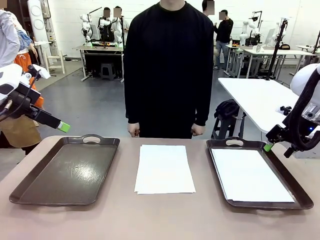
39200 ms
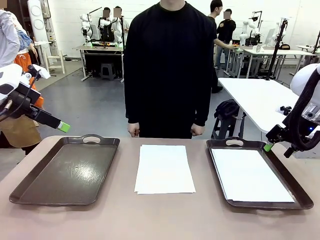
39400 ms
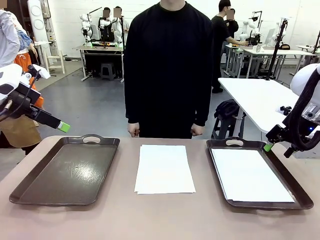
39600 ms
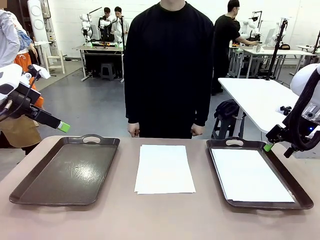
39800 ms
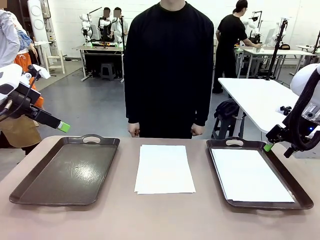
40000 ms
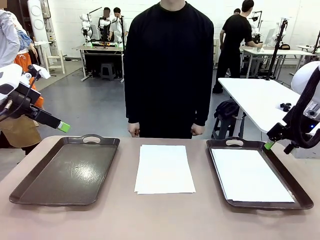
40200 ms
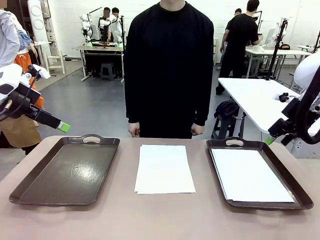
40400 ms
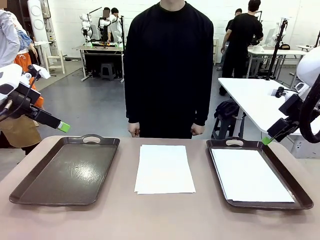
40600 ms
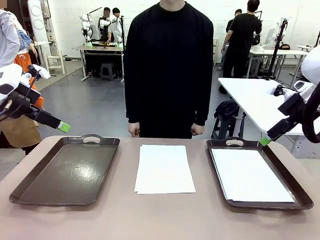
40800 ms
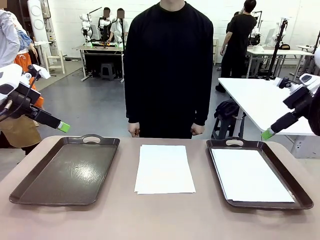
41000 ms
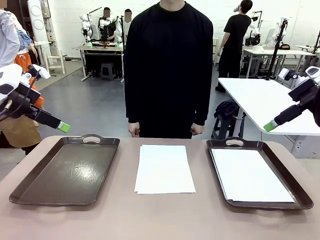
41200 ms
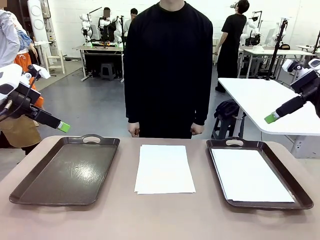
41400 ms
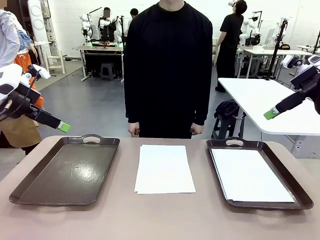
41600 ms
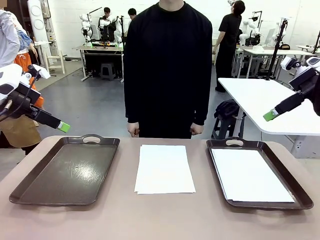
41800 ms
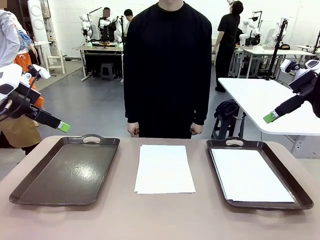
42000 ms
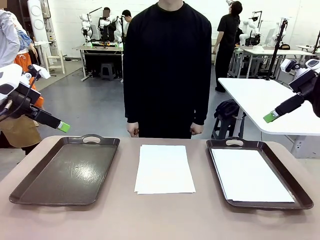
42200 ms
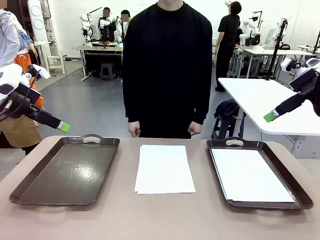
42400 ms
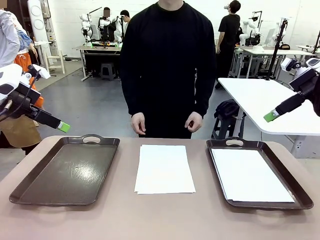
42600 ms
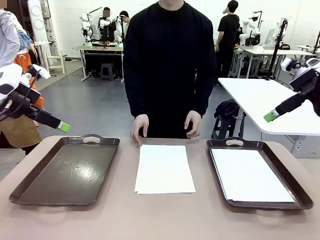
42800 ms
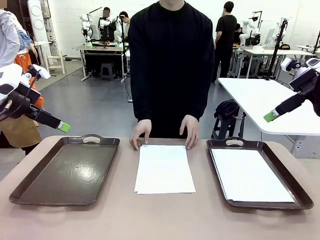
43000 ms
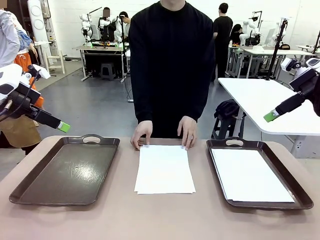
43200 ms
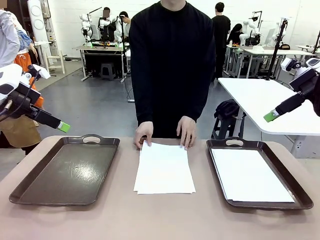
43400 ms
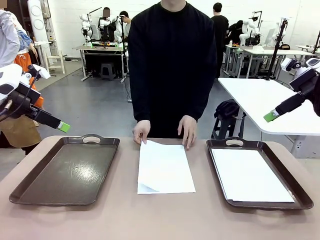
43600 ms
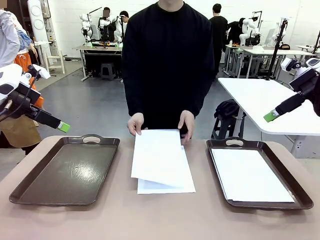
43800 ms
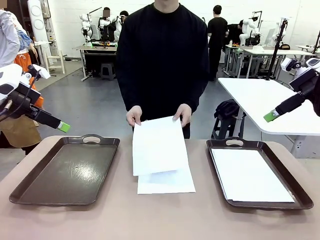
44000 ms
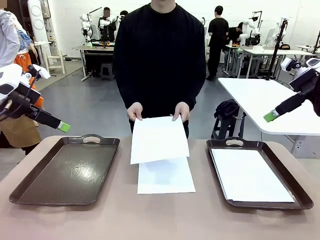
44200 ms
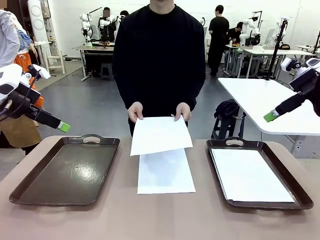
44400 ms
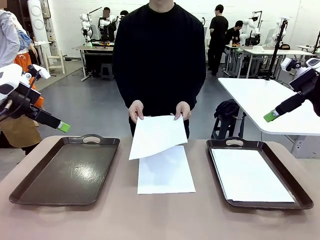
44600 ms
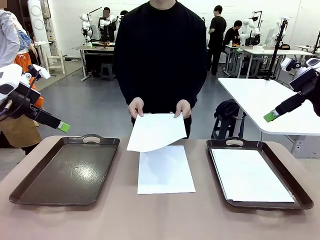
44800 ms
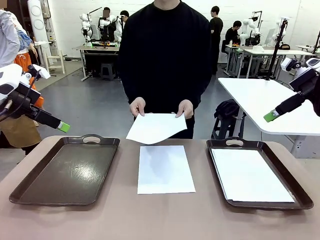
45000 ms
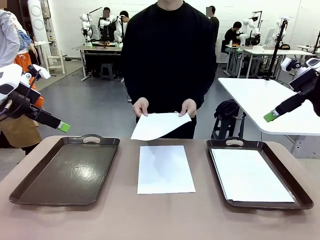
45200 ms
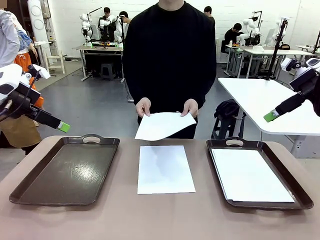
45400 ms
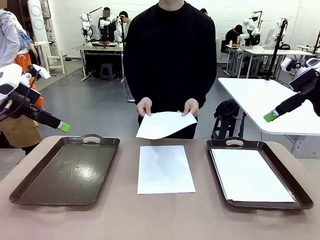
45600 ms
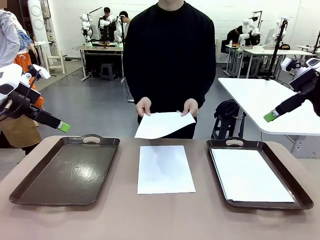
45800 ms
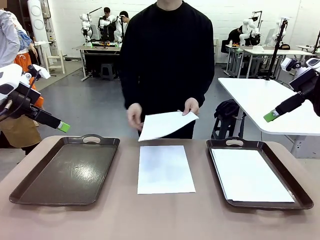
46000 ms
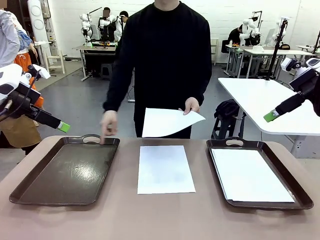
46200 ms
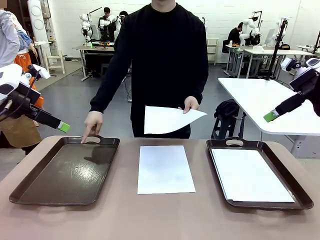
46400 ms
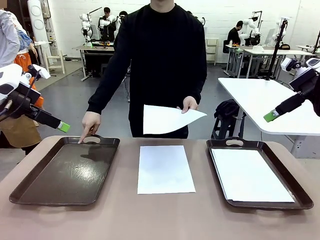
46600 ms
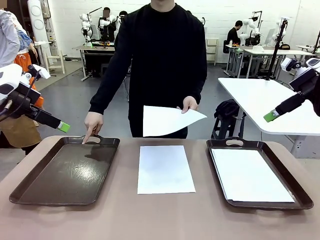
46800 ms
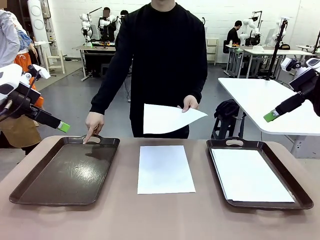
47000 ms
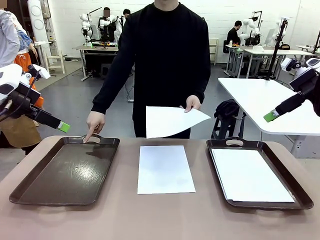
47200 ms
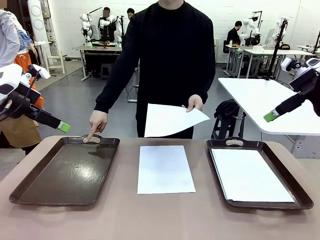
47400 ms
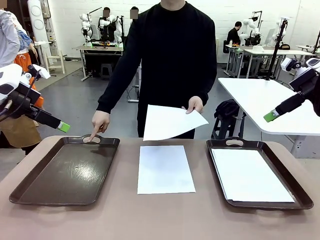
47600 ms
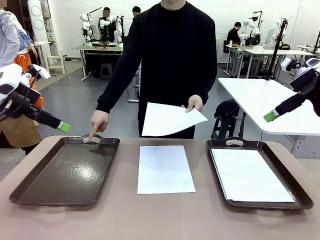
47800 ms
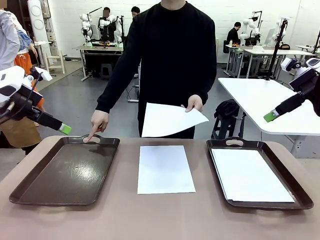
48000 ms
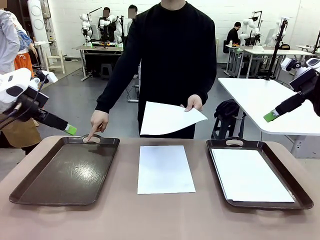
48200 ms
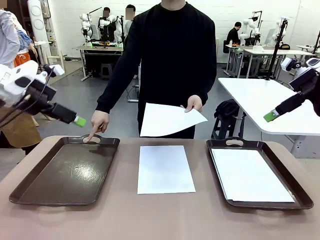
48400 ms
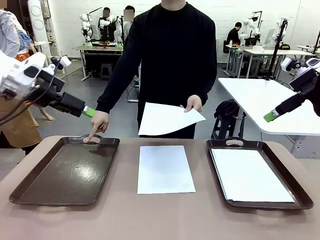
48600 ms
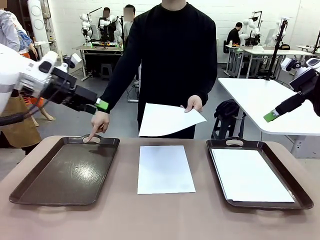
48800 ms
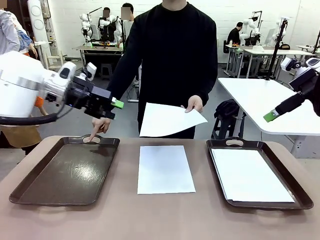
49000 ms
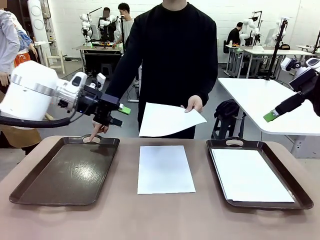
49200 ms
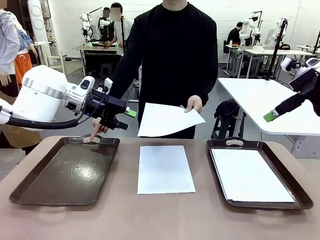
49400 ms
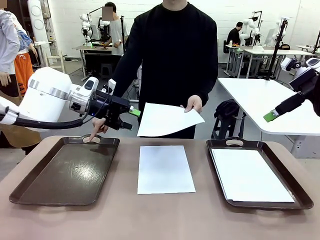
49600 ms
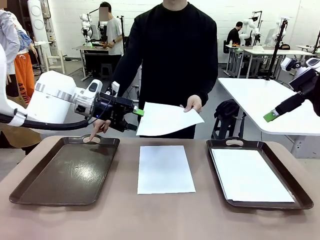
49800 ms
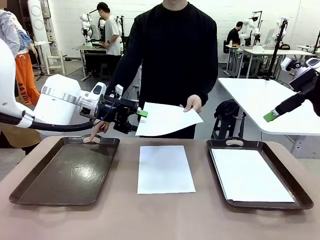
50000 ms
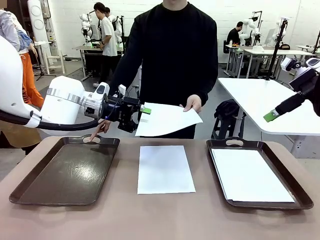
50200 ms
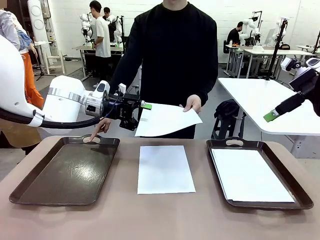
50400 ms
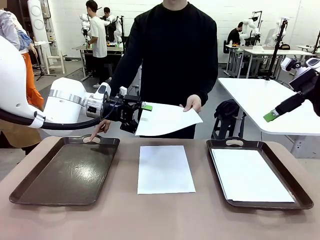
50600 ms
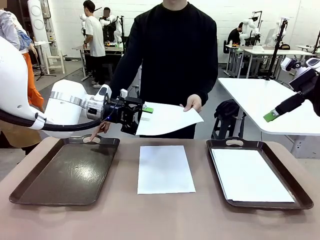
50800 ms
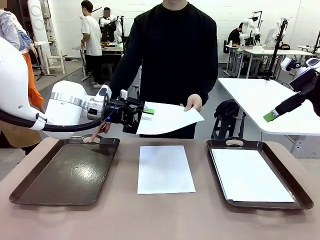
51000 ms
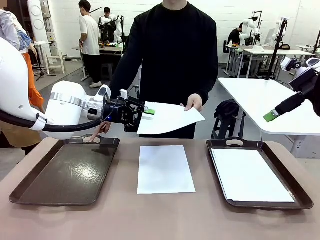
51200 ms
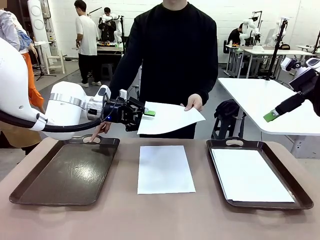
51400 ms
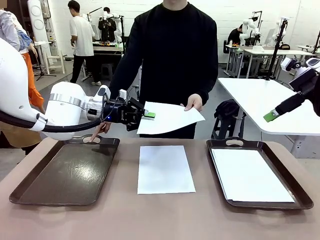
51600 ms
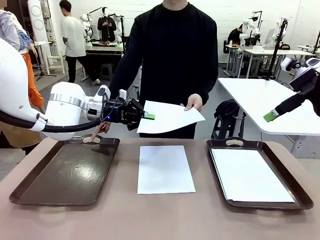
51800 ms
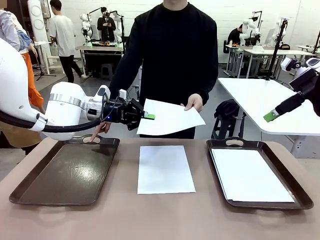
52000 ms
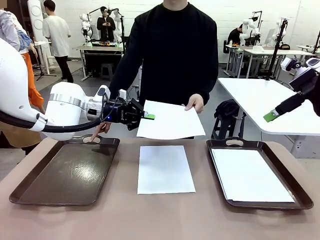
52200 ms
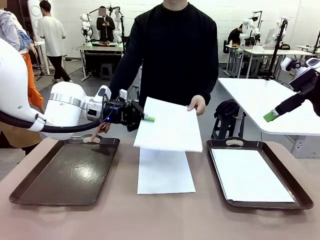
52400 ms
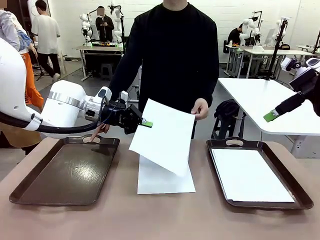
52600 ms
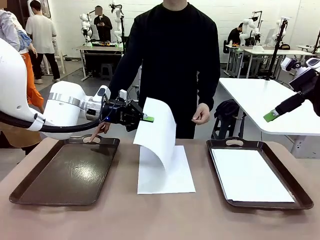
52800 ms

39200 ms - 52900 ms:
Task: Sort the A4 documents.
Robot: Receive the A4 Paper.
Person: Point the randomly selected tray with the other hand.

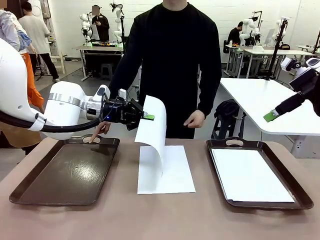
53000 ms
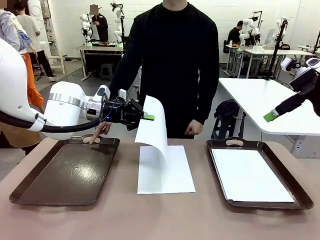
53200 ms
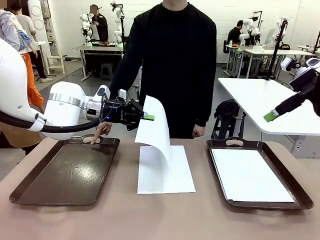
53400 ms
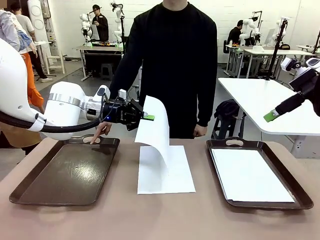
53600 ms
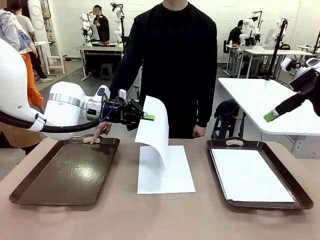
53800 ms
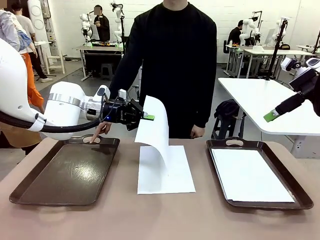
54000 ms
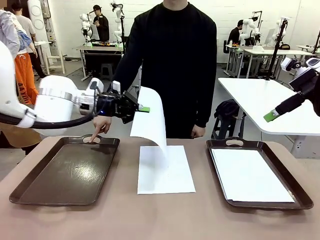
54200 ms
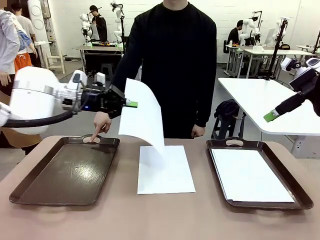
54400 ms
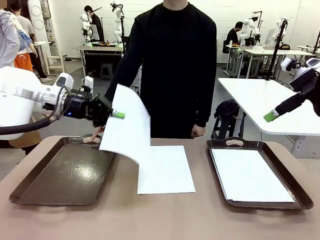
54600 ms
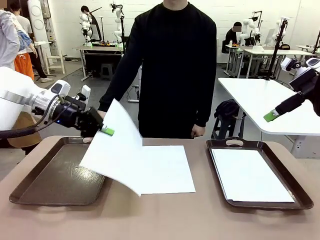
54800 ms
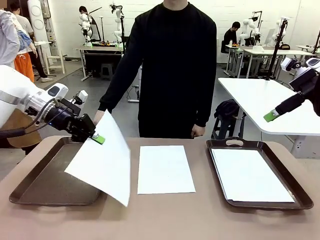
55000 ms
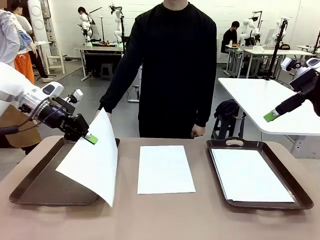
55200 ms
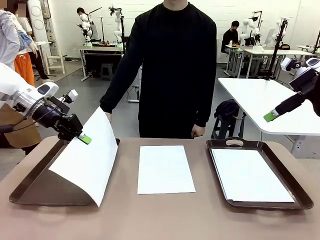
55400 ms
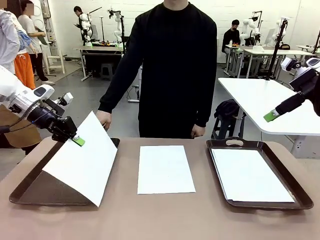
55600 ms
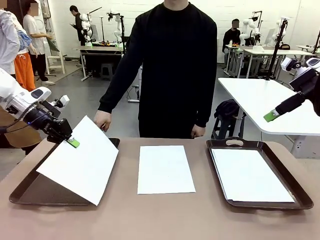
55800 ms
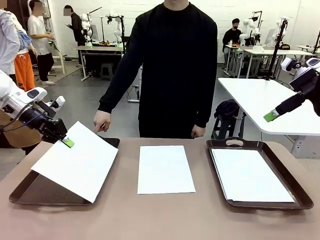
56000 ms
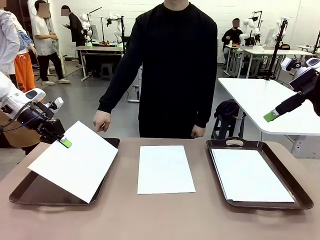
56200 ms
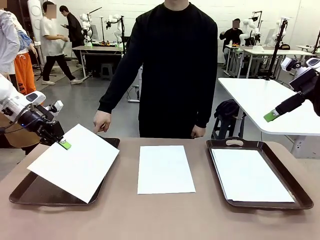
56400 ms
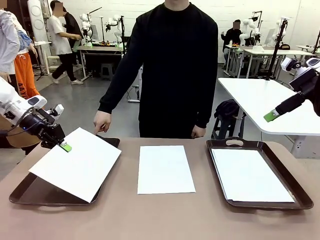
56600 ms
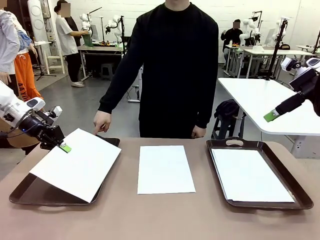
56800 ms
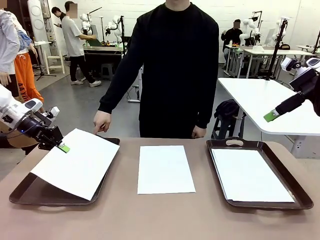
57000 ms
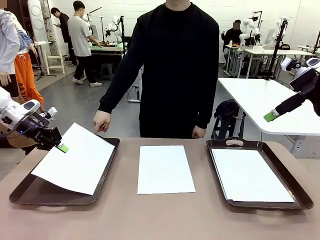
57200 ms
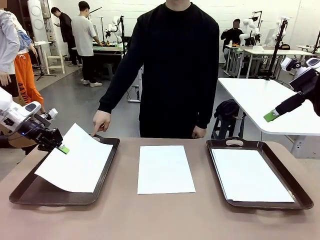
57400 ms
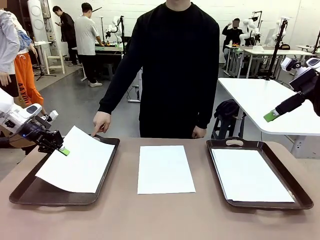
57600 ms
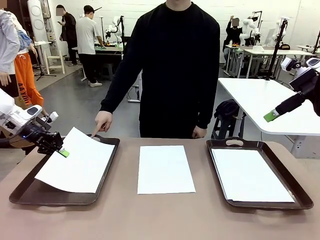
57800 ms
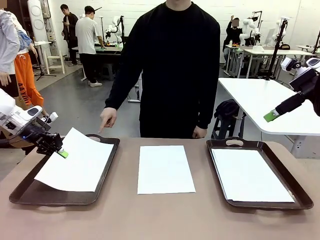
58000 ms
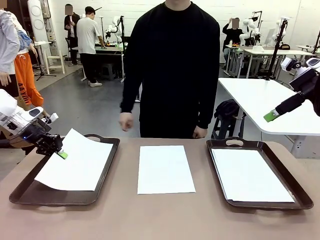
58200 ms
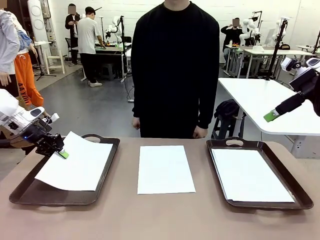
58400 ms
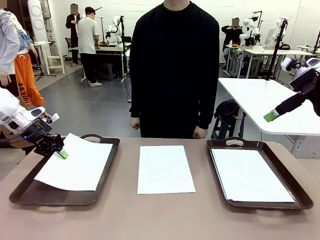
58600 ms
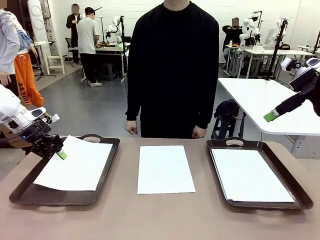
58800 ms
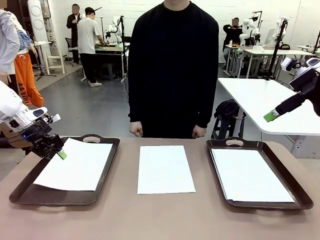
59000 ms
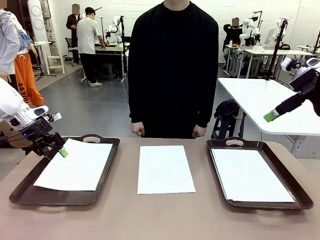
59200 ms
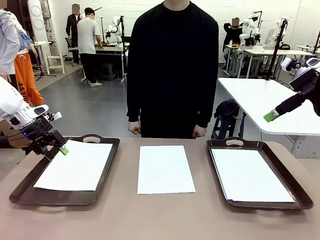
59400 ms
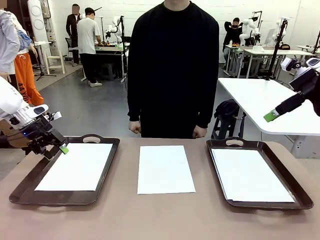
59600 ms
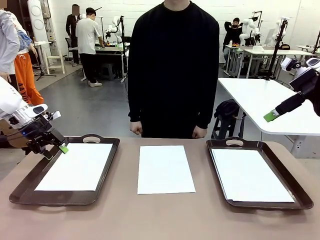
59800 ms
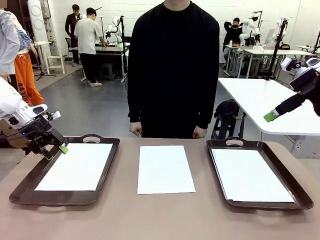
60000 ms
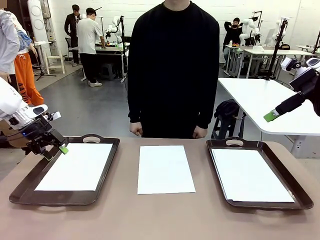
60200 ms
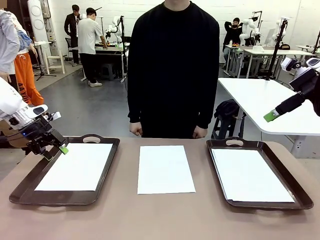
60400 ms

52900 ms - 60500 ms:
Robot: Place the A4 Paper in the designated Handle tray.
